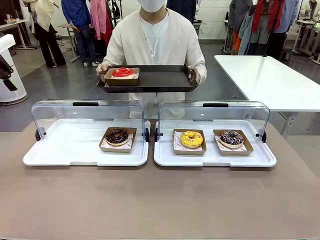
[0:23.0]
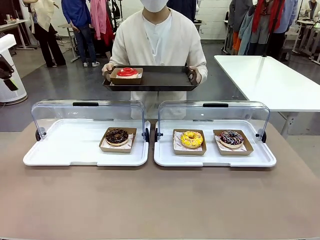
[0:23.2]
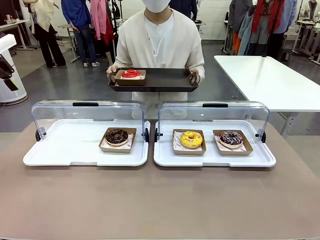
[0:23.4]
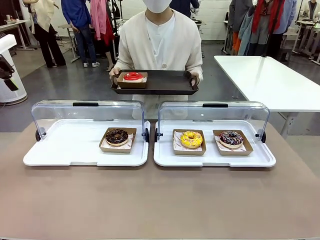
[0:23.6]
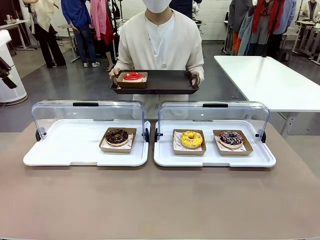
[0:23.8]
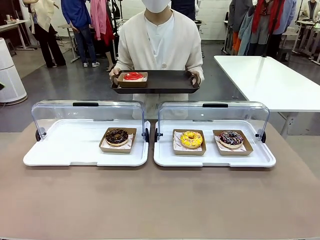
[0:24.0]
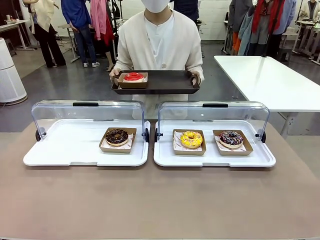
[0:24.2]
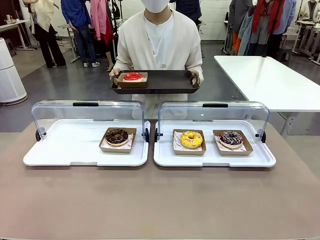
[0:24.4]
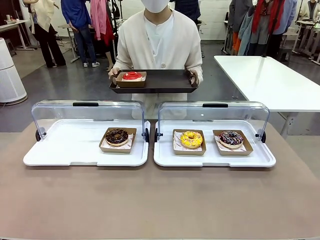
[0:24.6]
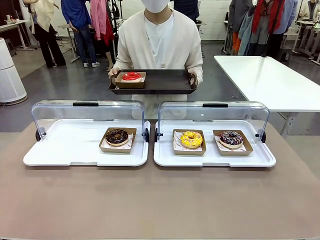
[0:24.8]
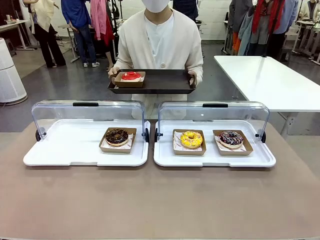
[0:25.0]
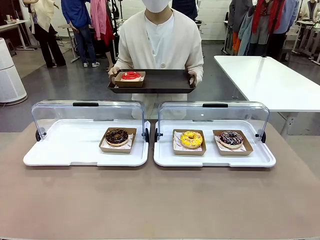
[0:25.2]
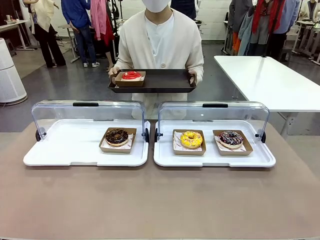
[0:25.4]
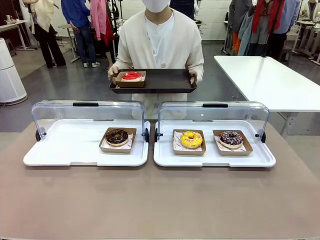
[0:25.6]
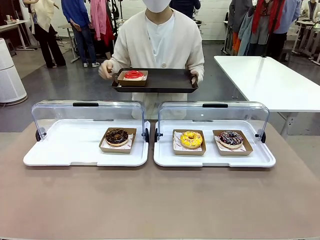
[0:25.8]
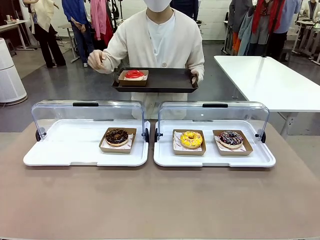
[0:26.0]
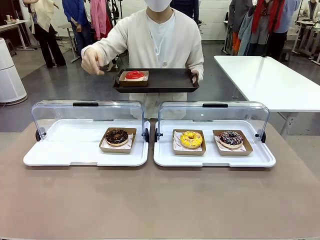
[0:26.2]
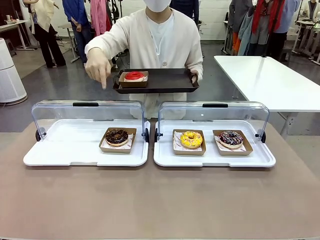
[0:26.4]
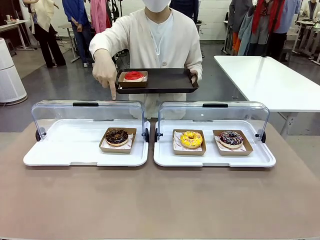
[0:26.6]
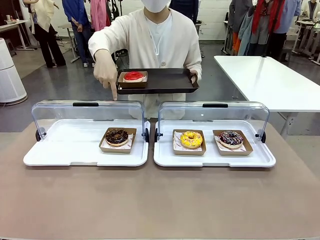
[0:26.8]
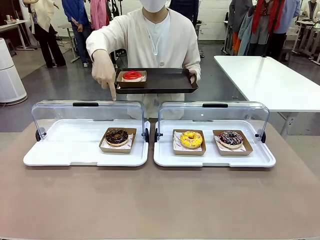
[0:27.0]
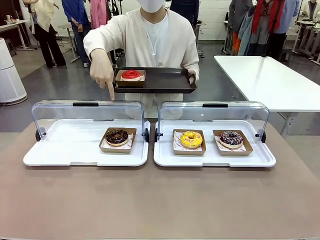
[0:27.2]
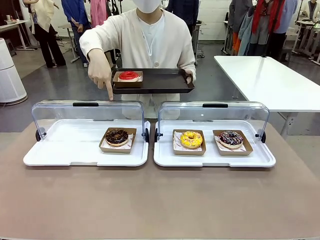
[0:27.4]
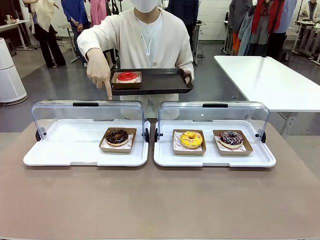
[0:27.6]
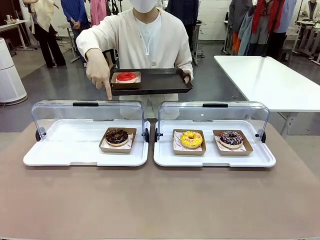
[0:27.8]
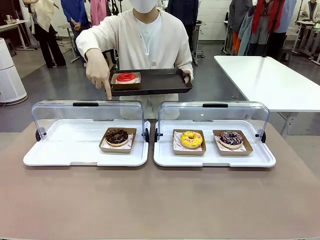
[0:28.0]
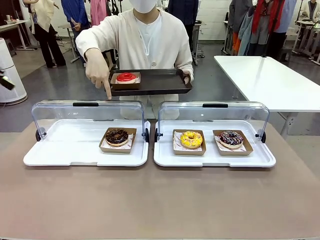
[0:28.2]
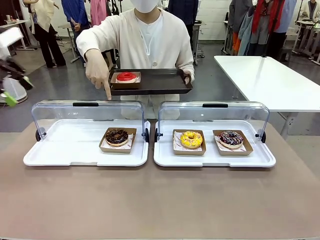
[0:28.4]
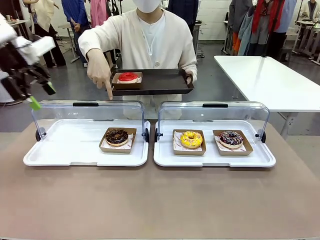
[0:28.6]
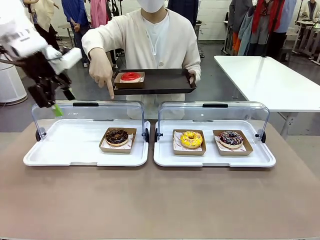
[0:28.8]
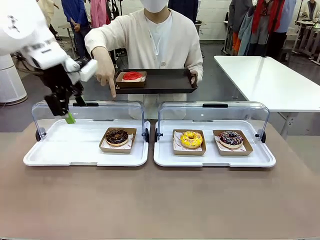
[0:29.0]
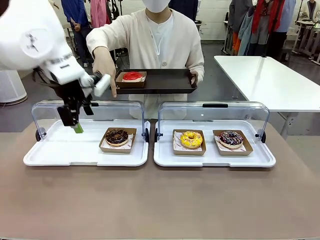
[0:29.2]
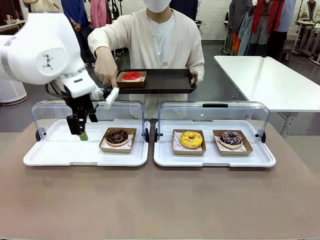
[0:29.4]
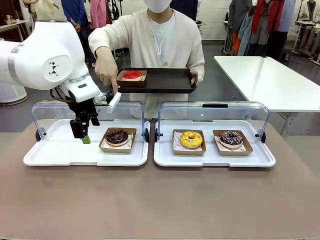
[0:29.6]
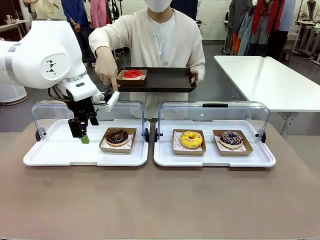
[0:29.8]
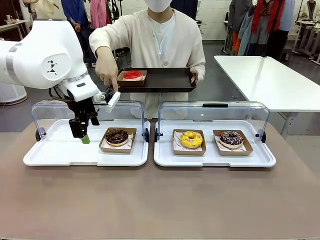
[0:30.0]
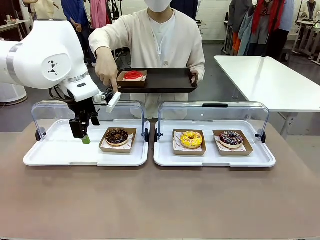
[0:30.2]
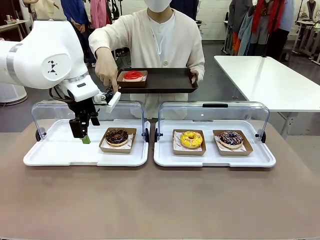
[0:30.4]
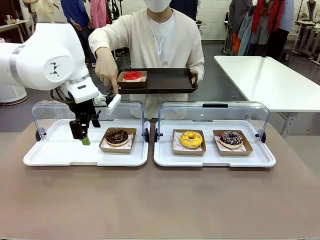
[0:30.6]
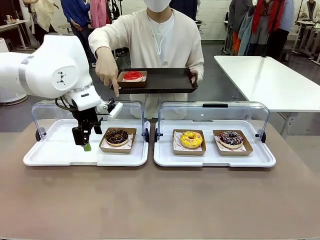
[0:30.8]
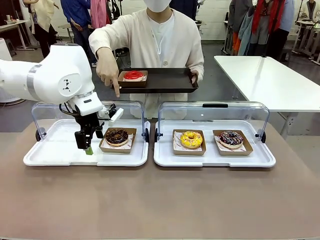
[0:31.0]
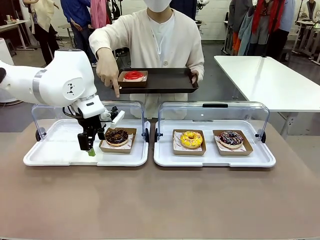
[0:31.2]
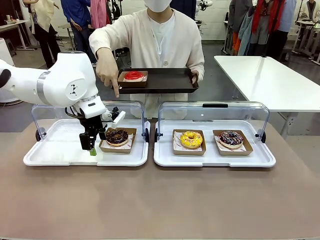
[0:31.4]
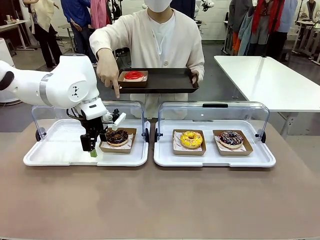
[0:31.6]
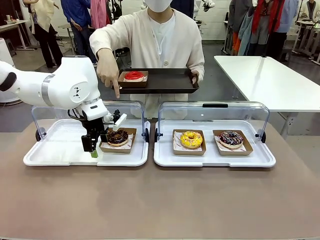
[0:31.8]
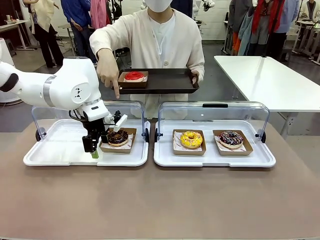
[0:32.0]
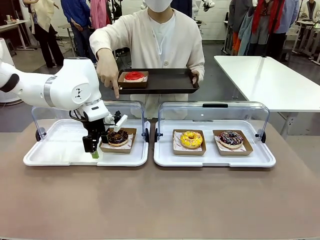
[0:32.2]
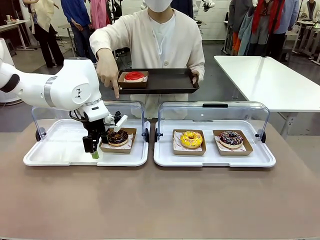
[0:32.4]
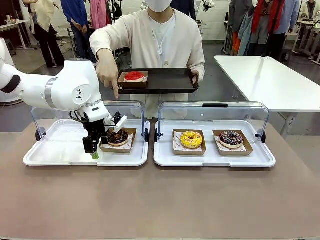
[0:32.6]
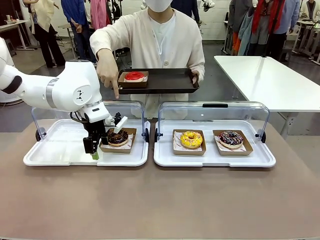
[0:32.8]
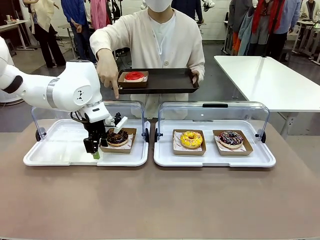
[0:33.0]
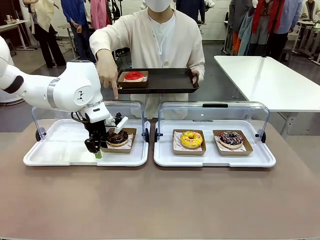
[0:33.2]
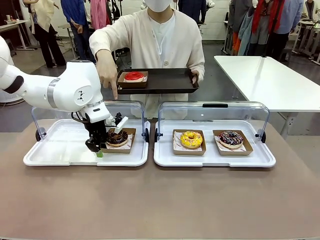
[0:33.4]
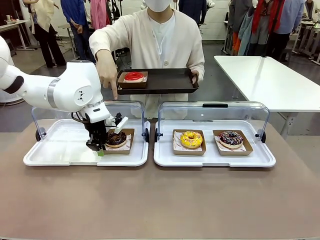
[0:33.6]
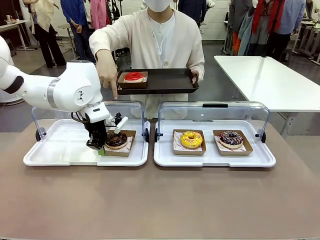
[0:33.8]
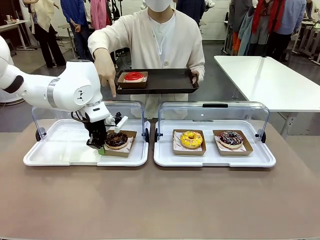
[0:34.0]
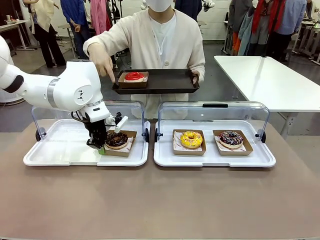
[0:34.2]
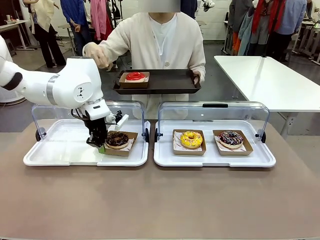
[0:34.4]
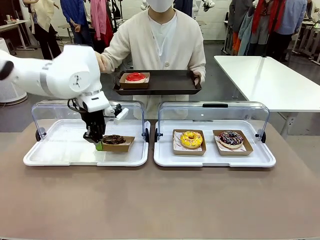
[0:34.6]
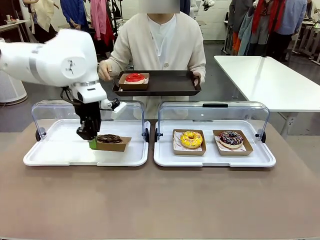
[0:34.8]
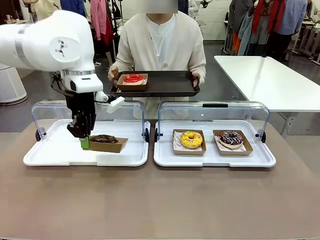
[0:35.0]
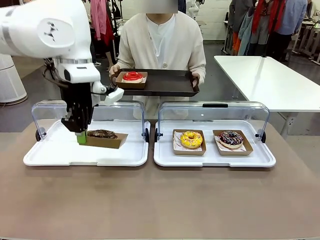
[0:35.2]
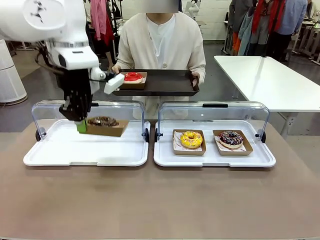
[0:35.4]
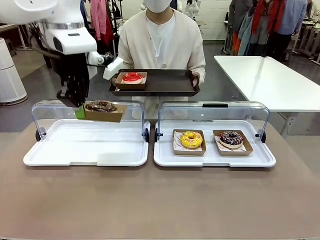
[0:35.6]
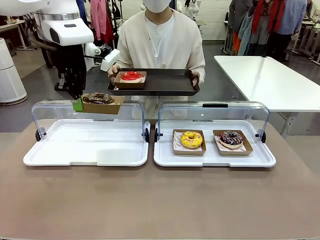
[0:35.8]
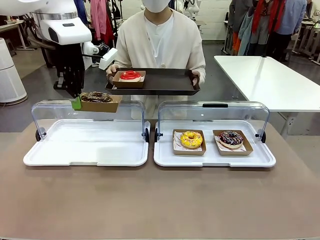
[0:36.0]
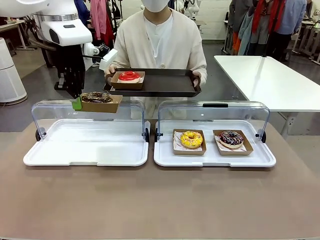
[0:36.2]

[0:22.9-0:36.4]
Task: Provide the desired donut to the person.
Robot: Pick up and lift the Paper togo box containing the Donut pointed at by the person.
Person: Point to one donut. Lift the tray onto the Roll-Top Bakery Case.

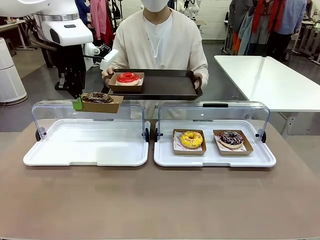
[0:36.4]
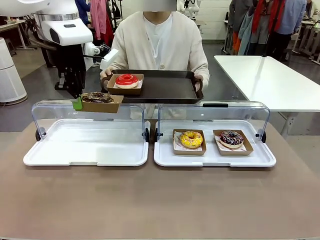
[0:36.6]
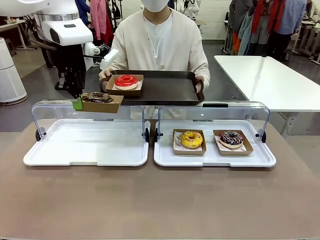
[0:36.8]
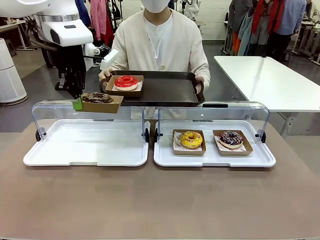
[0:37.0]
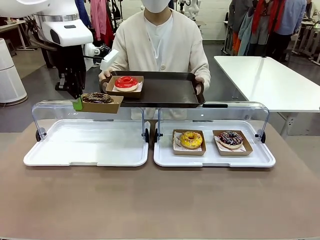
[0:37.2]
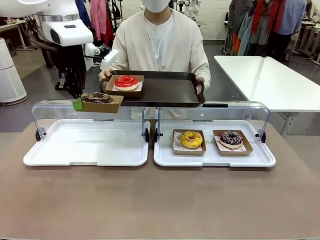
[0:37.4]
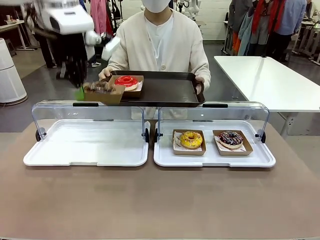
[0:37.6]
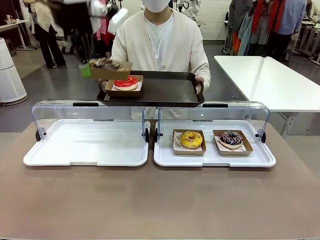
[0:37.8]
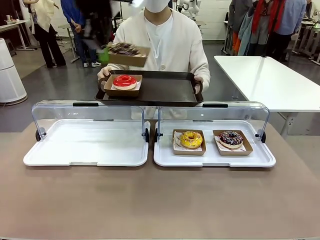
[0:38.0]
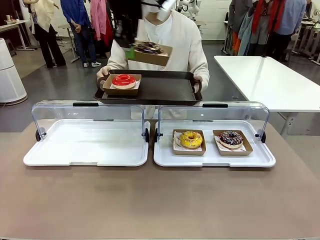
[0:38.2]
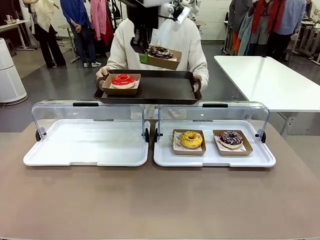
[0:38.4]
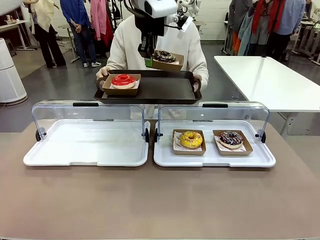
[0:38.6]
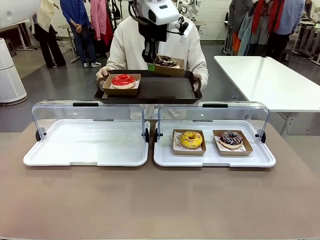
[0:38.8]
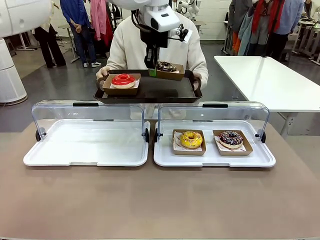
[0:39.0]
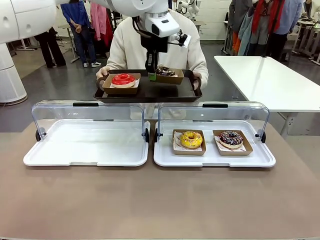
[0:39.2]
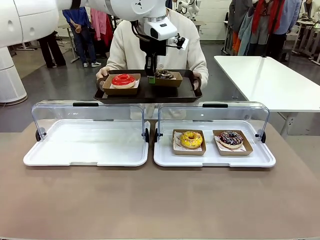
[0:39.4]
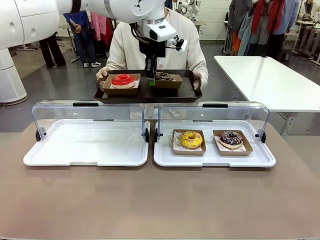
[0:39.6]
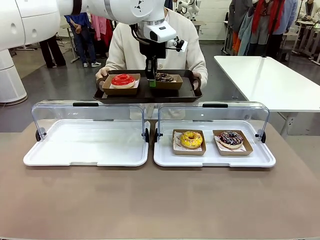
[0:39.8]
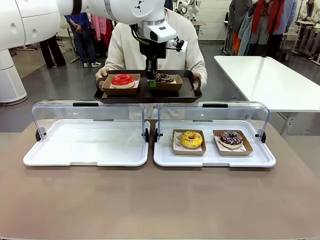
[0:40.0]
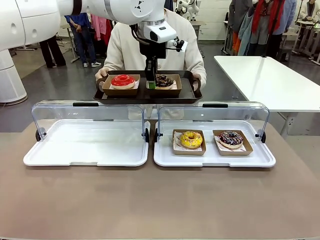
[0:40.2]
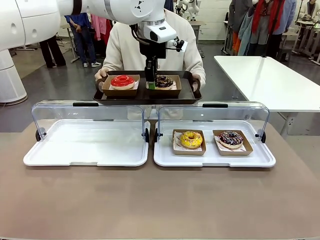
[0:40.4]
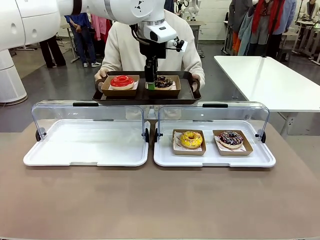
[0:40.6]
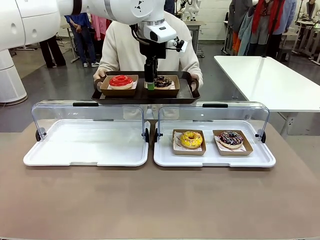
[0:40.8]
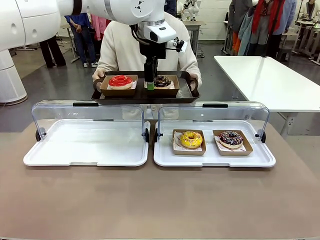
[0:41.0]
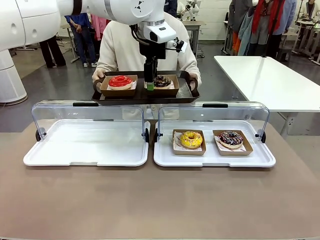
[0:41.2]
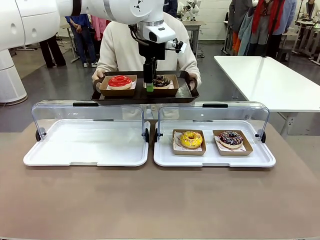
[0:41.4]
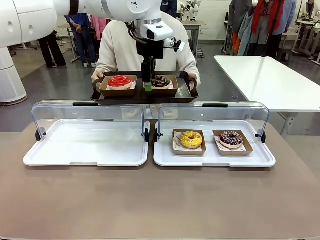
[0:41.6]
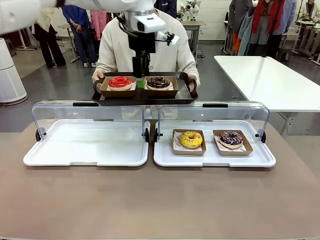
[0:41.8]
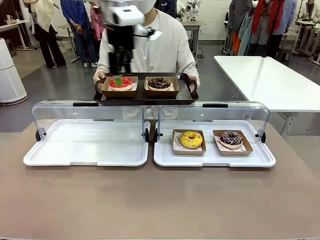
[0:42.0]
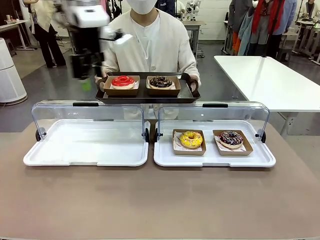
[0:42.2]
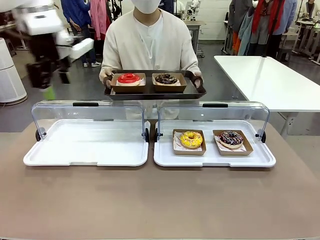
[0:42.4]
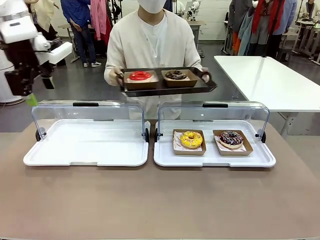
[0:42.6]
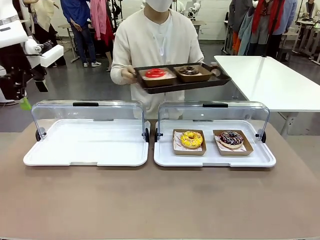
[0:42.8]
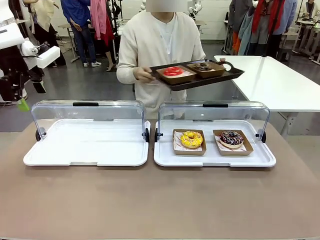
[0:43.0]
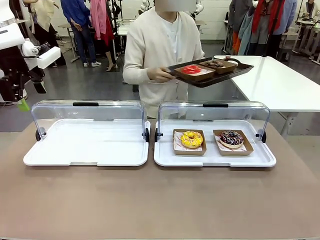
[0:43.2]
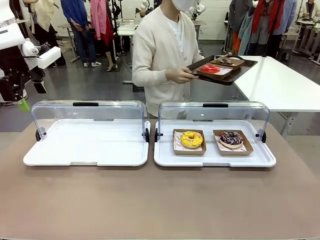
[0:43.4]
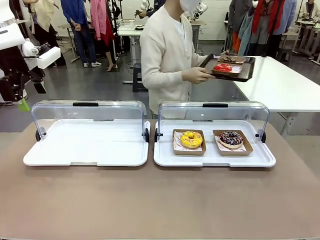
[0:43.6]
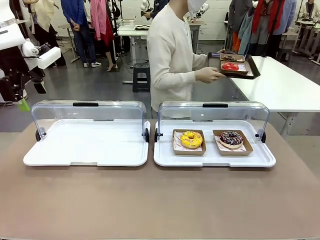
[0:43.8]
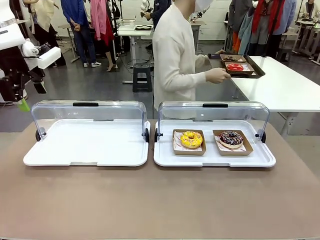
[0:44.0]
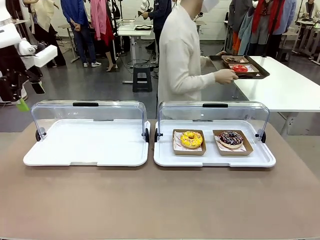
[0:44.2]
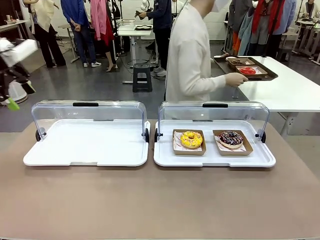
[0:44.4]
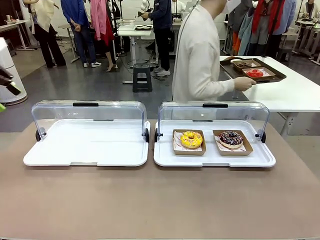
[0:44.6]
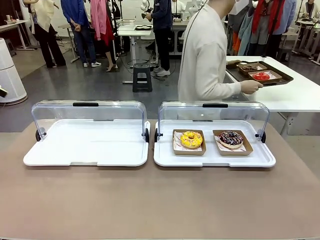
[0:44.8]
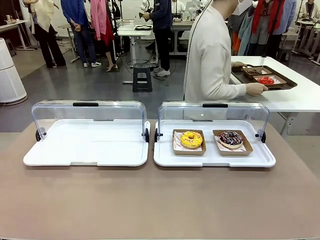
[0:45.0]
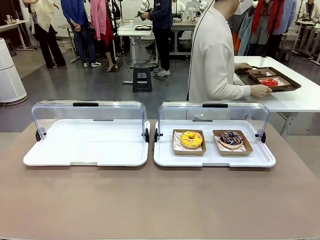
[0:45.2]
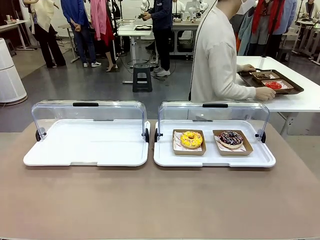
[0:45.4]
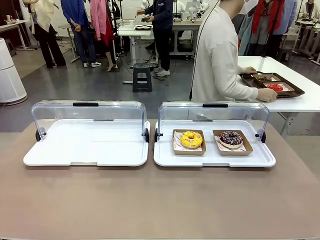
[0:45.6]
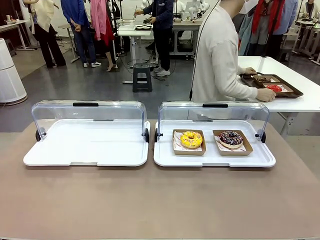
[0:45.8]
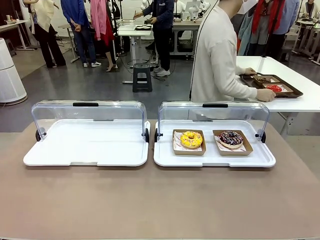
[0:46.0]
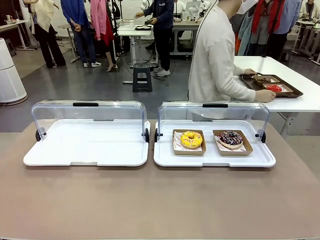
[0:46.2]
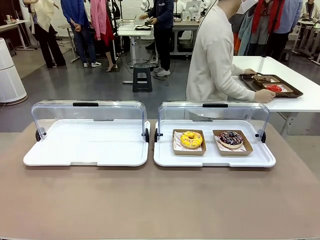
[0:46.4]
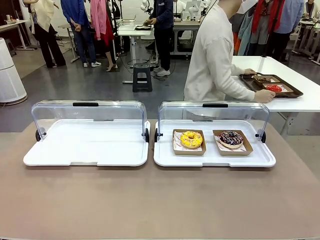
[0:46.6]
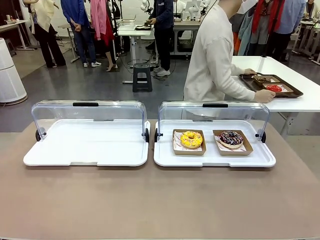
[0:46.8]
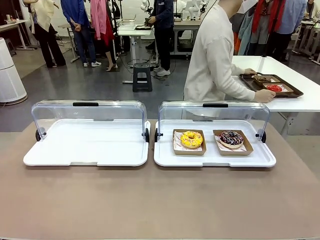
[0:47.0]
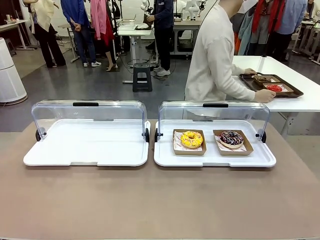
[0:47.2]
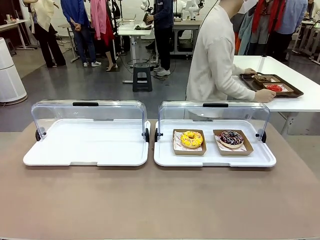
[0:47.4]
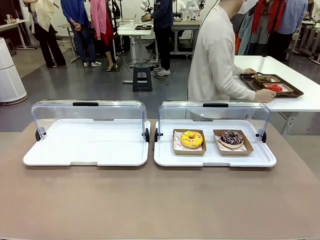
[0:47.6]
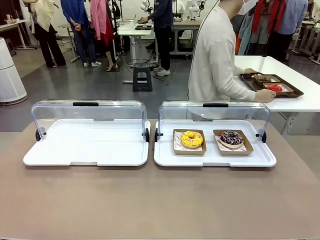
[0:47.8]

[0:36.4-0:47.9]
Robot: Place the picked Paper togo box onto the Handle tray extended by the person.
Person: Place the tray in the middle of the human table.
